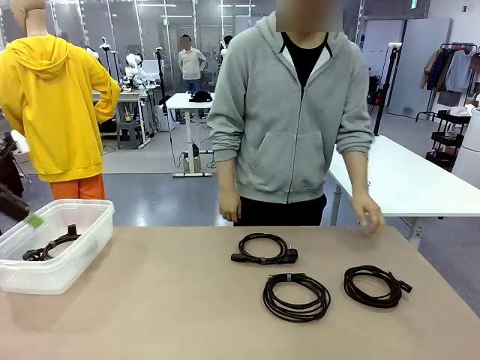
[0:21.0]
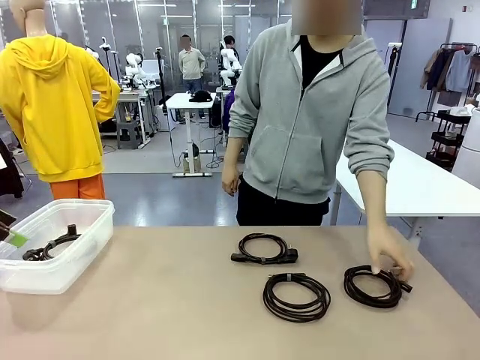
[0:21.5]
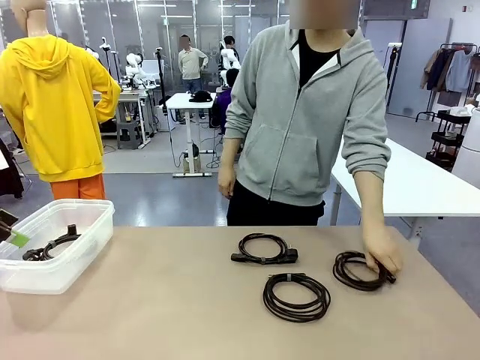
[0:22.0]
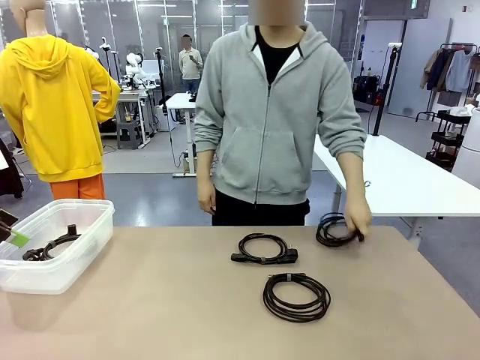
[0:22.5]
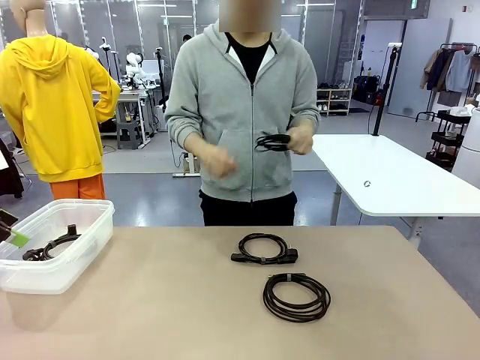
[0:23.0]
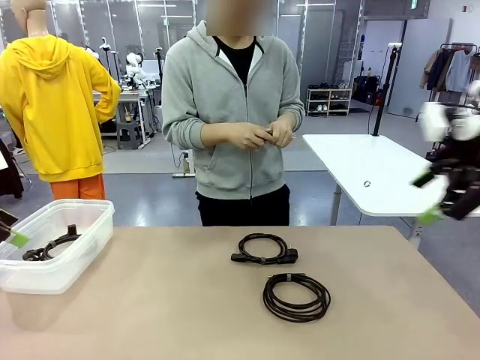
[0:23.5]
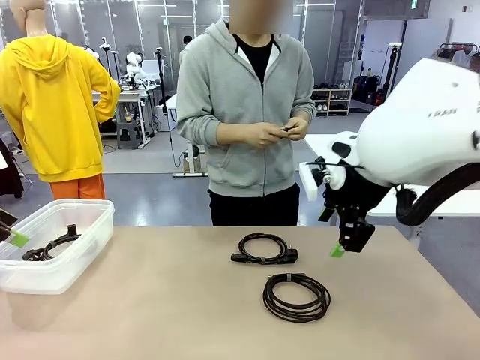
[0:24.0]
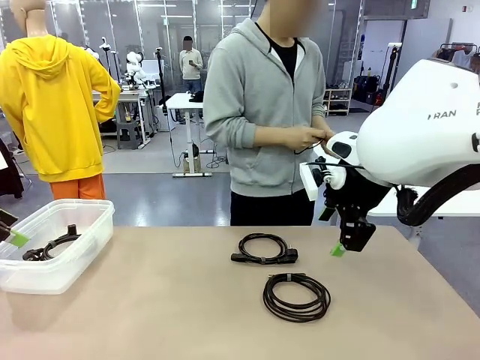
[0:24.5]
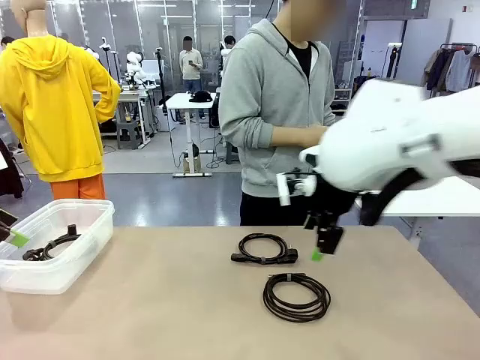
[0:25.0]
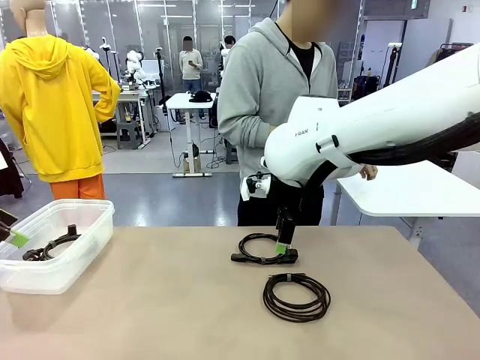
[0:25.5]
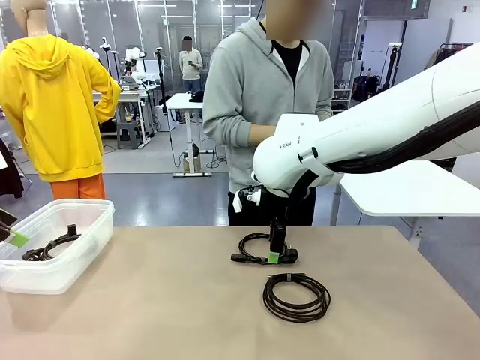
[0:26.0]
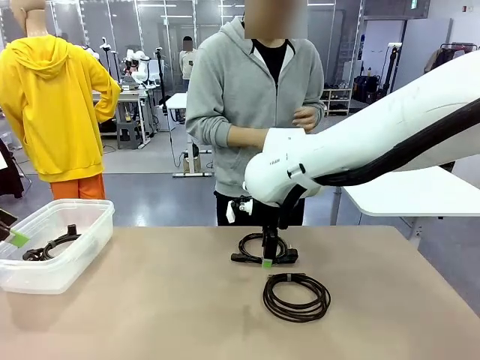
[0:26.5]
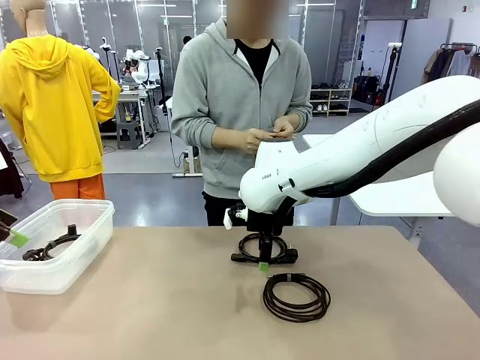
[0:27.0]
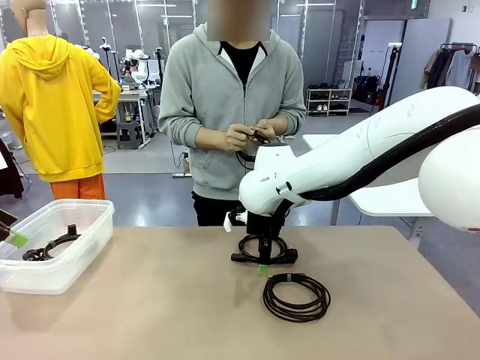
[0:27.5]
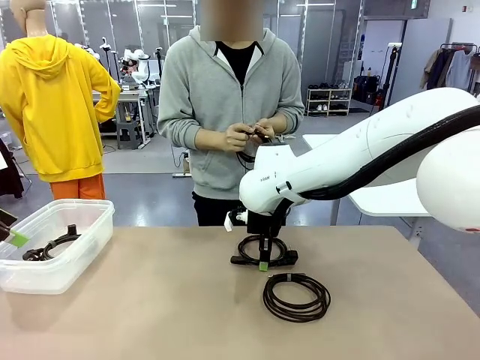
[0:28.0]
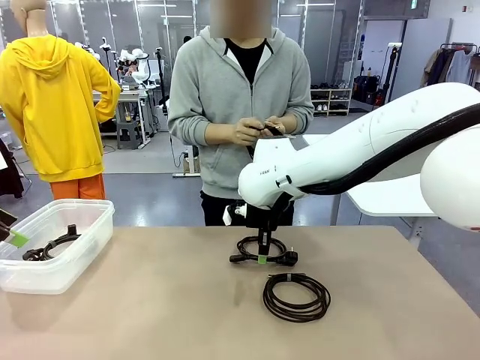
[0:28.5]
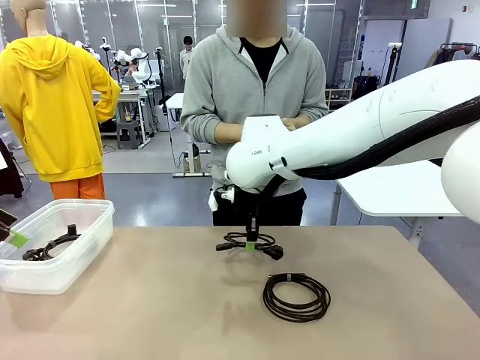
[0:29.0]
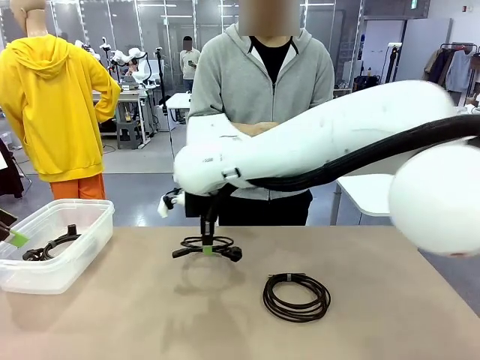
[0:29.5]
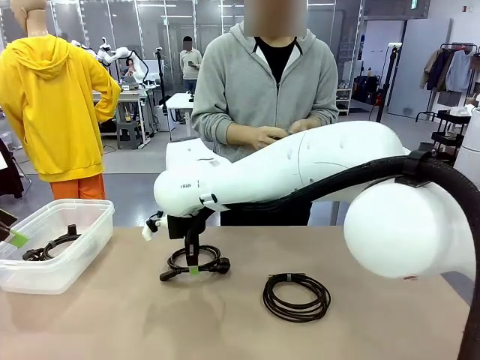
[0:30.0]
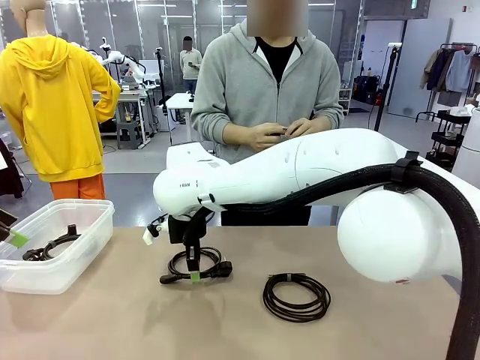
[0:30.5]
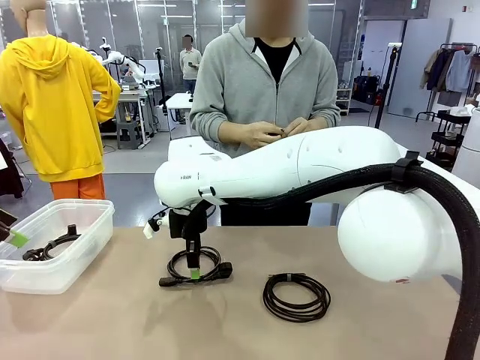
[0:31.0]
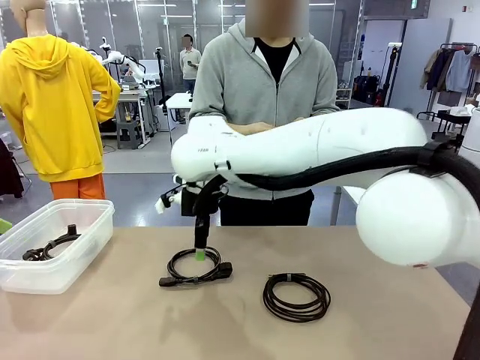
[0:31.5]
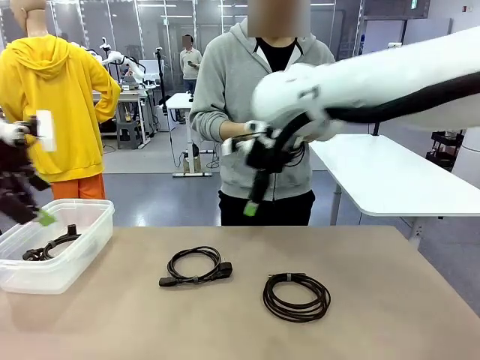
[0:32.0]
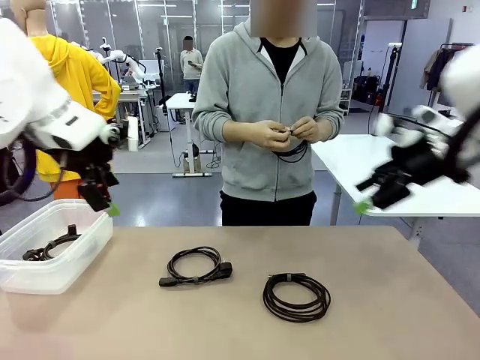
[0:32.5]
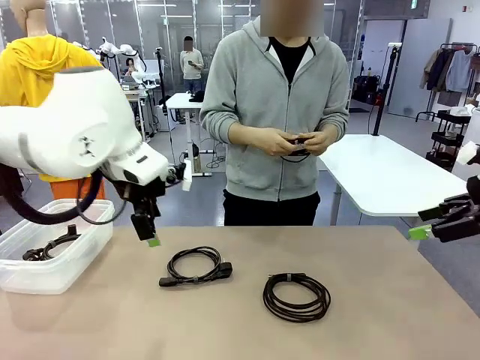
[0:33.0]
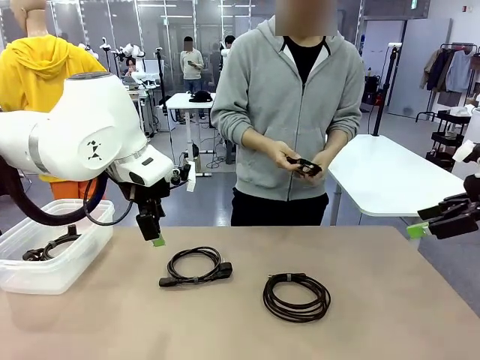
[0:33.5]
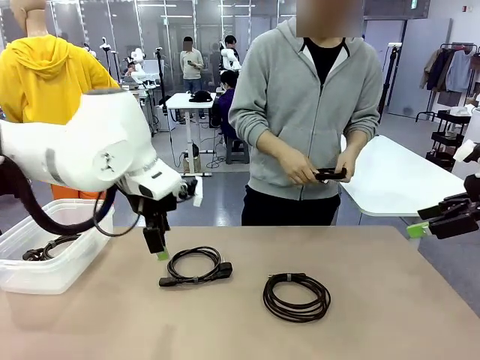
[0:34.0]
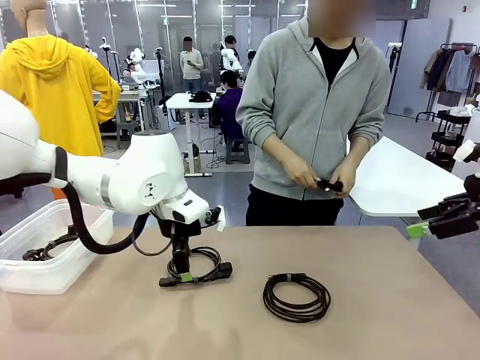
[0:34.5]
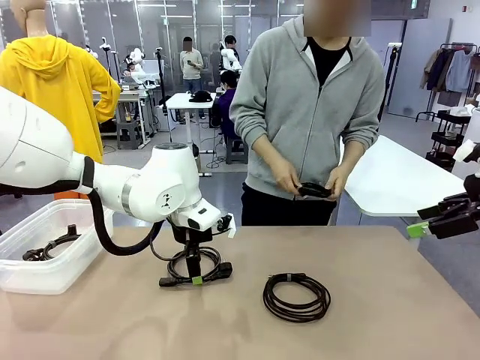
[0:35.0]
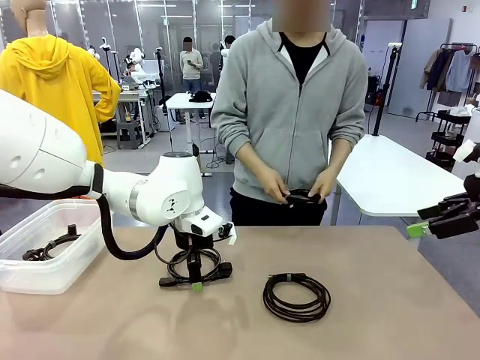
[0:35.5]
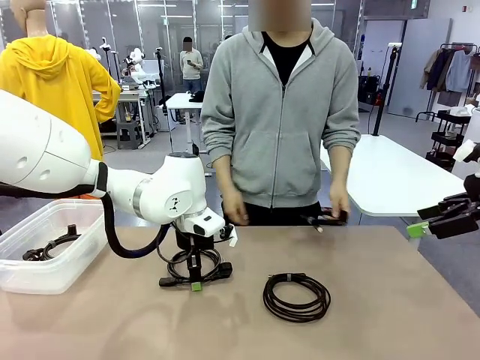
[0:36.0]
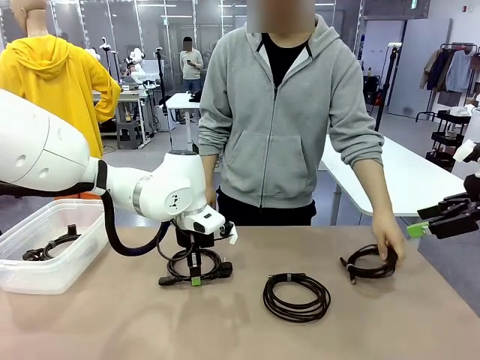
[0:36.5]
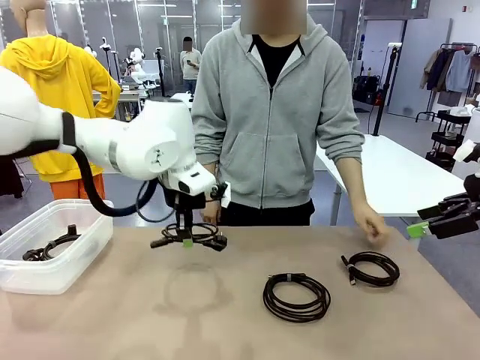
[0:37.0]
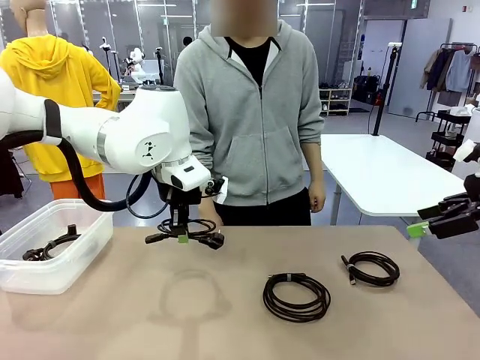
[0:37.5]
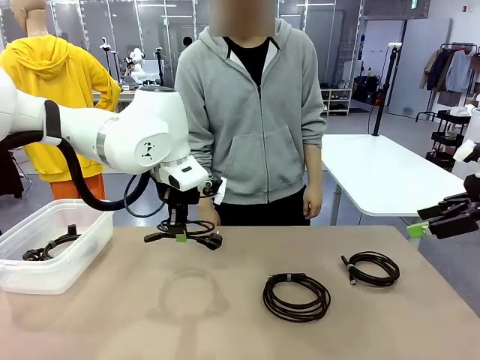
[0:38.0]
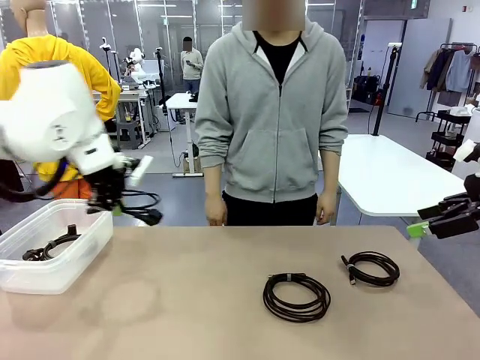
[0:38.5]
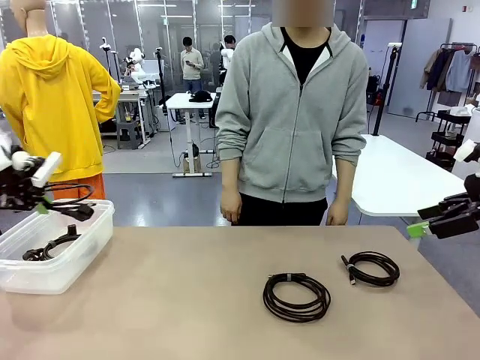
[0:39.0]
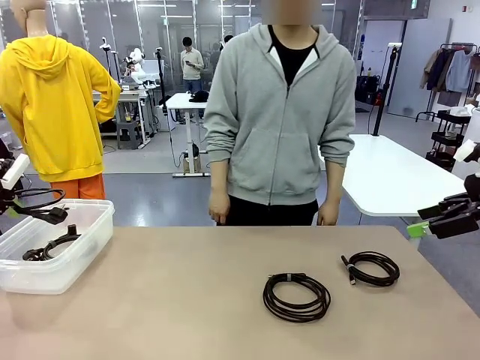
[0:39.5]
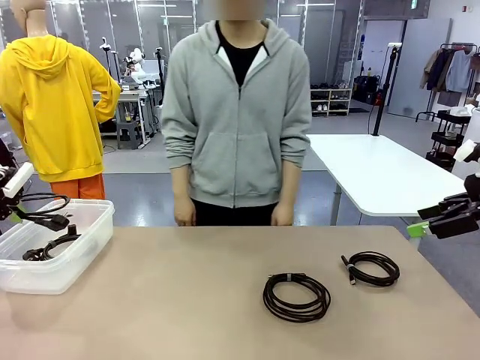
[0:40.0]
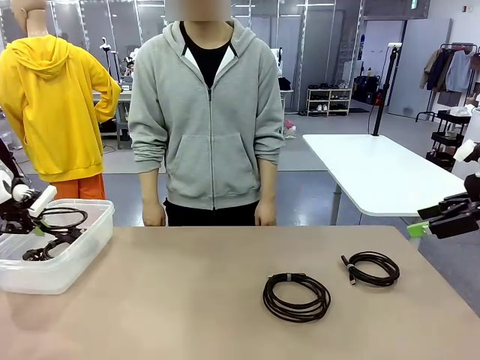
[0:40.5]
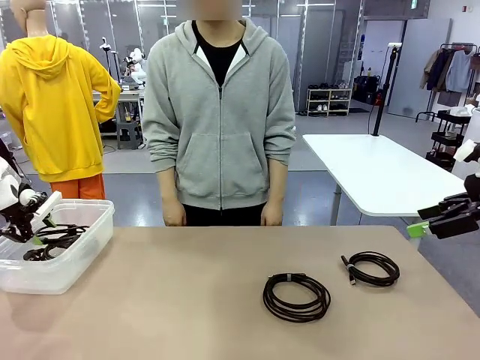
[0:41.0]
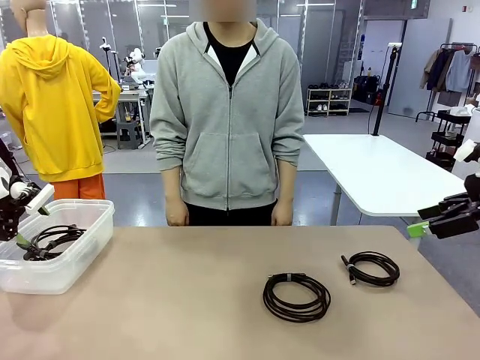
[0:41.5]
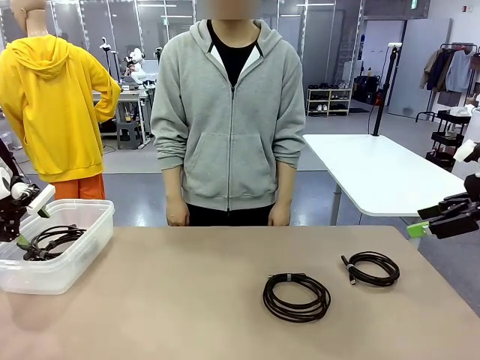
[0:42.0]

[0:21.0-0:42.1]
Task: Organize and store the cables.
Robot: Place the Power Cable into the Organizing box.

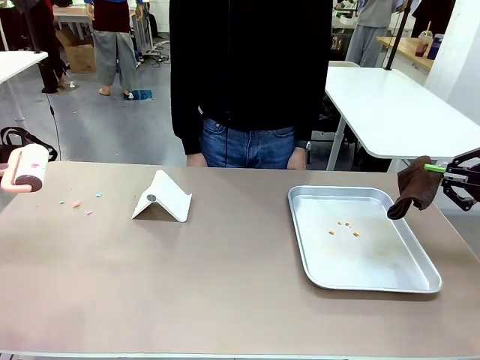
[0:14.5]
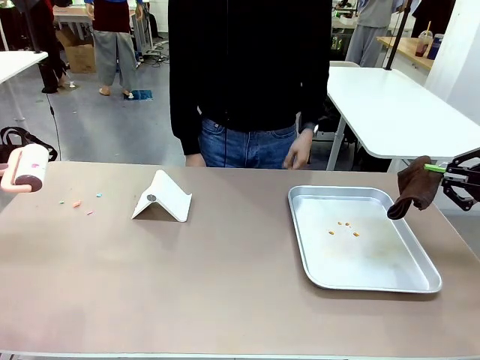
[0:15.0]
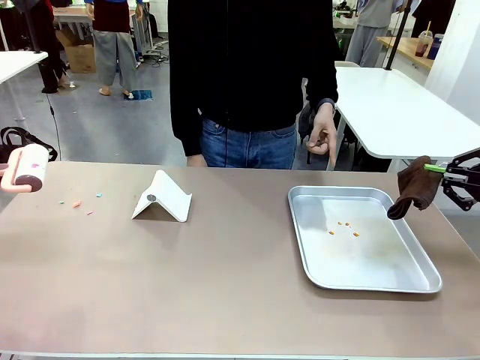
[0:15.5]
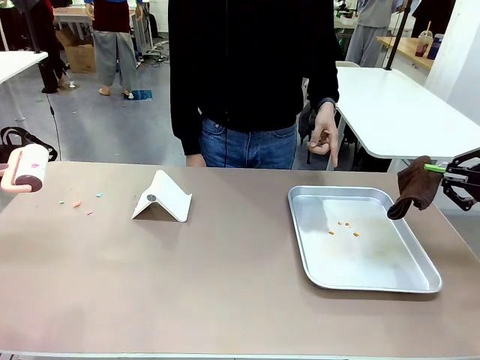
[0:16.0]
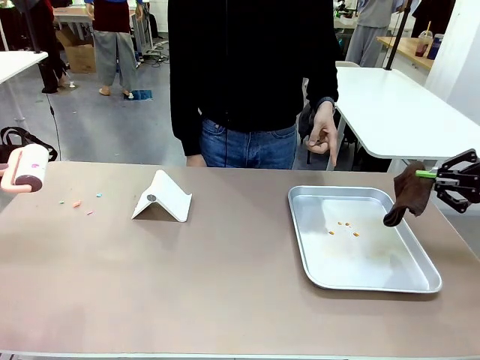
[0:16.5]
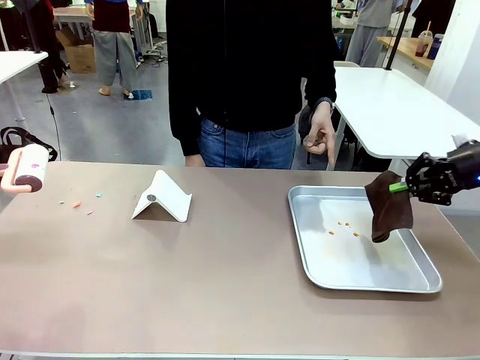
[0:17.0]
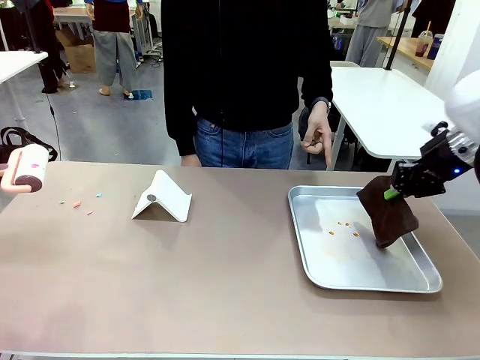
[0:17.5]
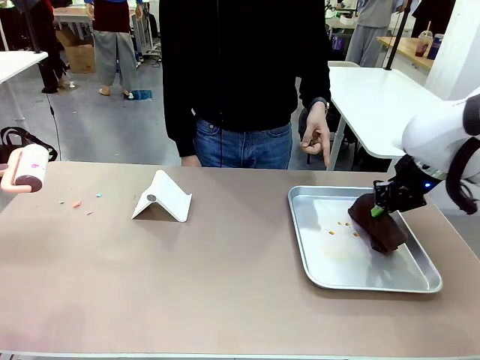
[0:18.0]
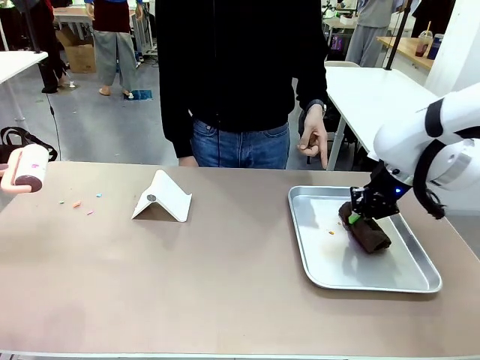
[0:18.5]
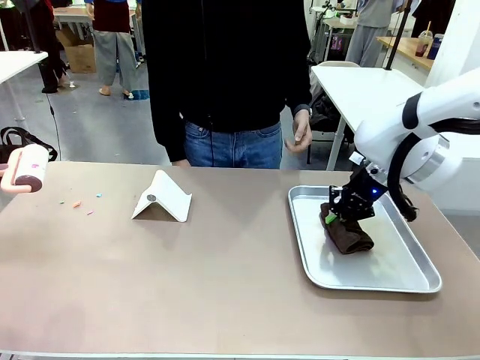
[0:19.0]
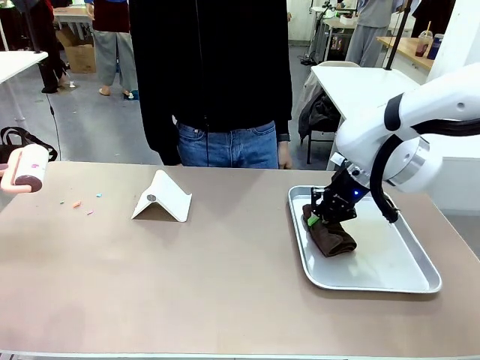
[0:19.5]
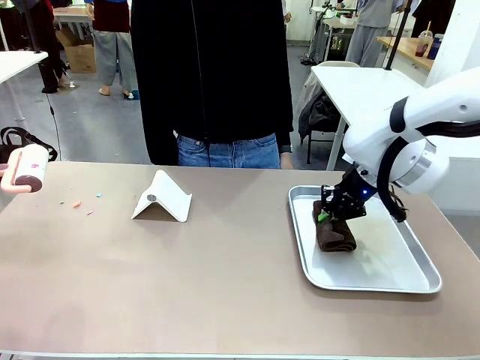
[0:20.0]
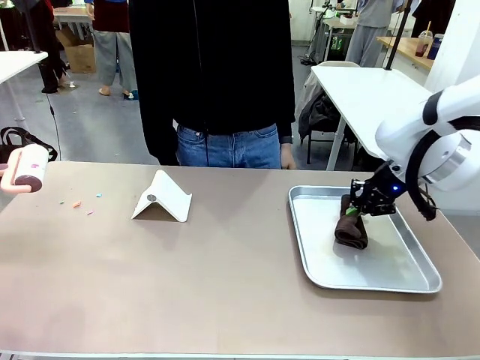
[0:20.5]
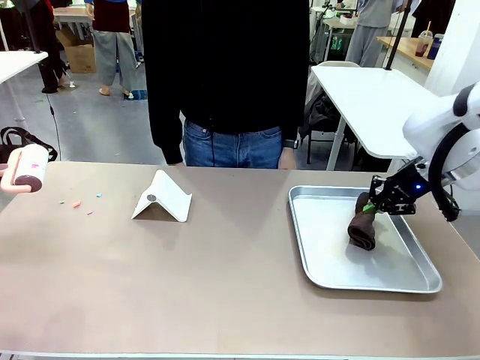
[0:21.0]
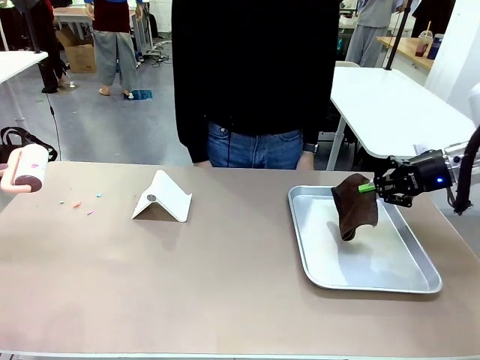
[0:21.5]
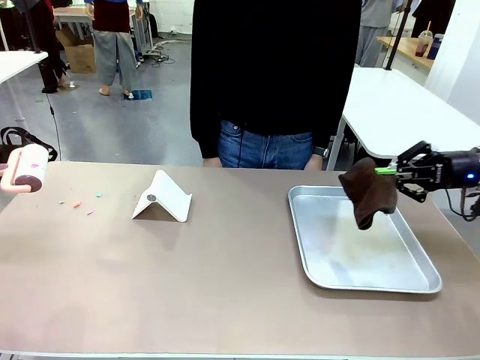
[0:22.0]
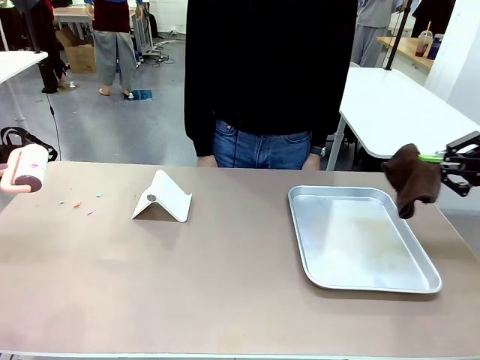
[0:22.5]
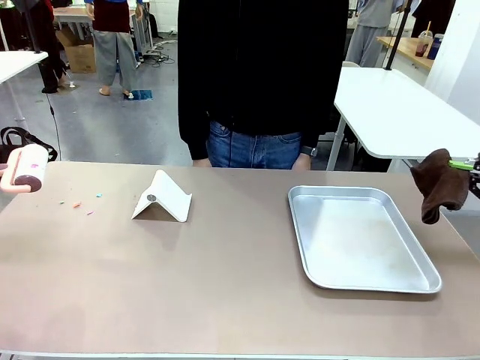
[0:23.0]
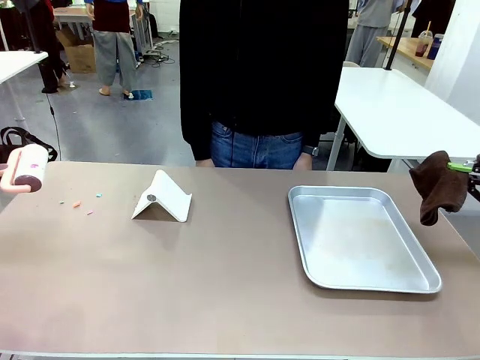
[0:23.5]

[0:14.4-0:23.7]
Task: Clean the surface of the table.
Robot: If a person points to the right, clean the right side of the table with your right hand, and if they point to the left, clean the left side with your left hand.
